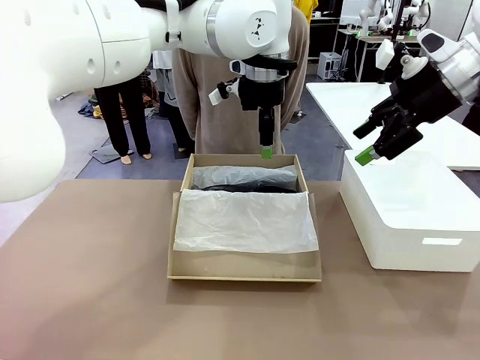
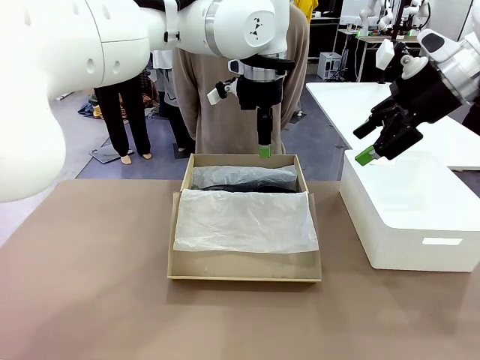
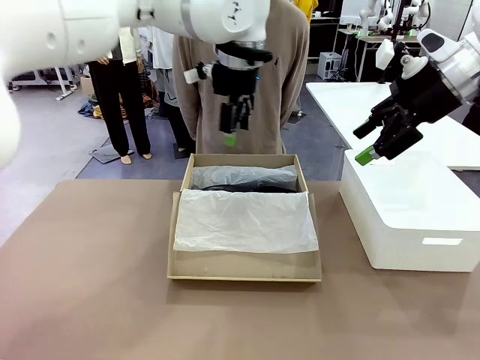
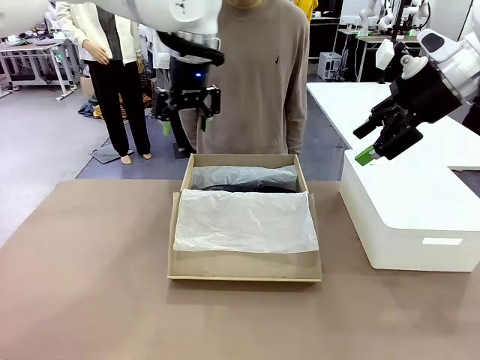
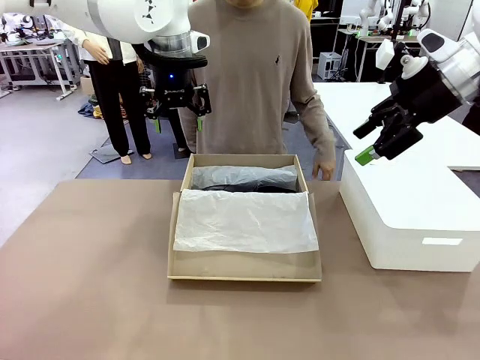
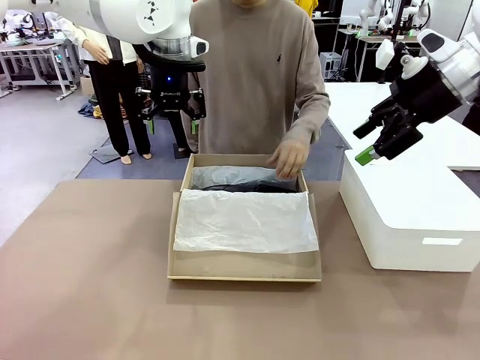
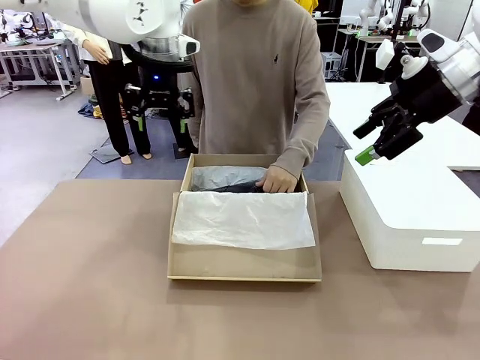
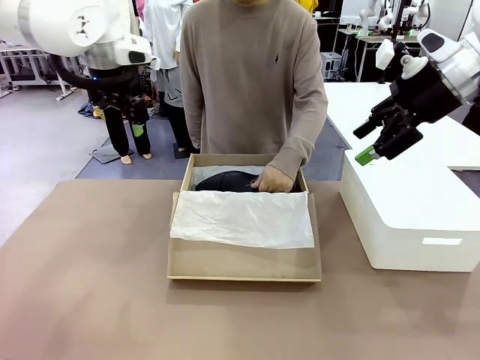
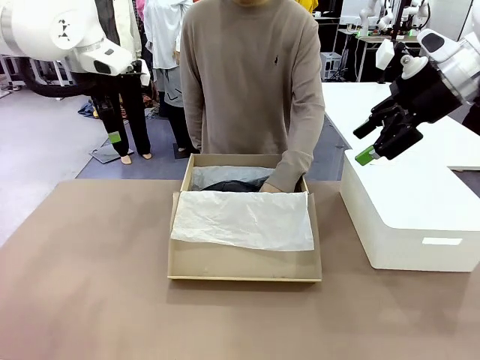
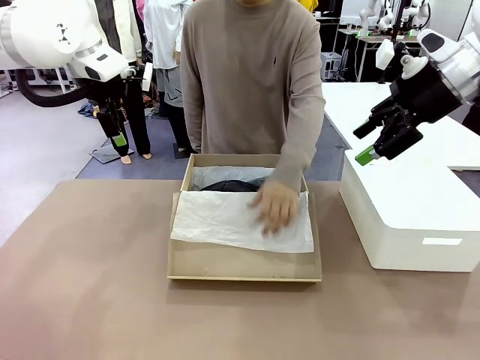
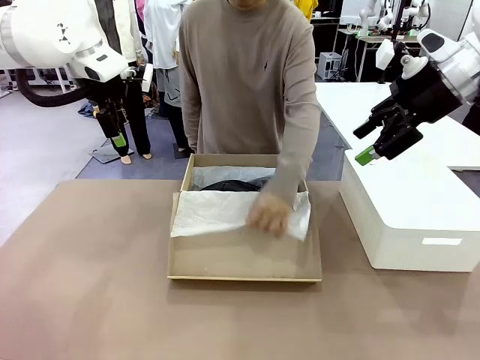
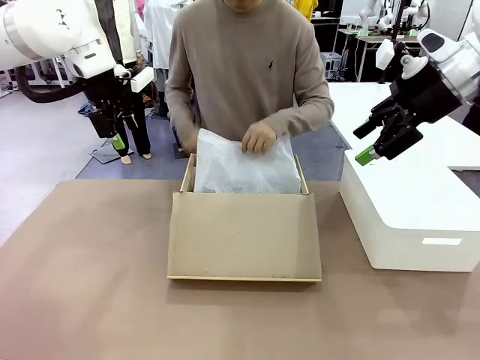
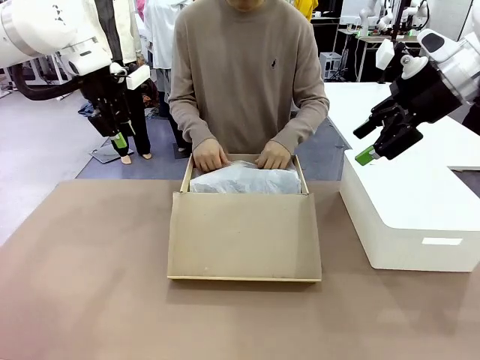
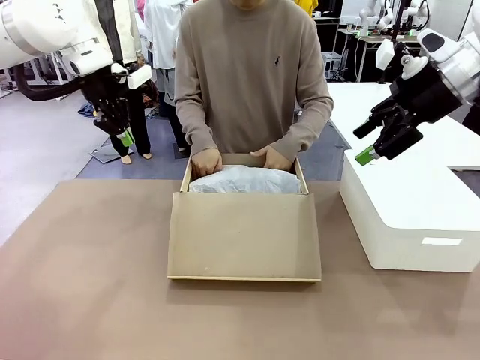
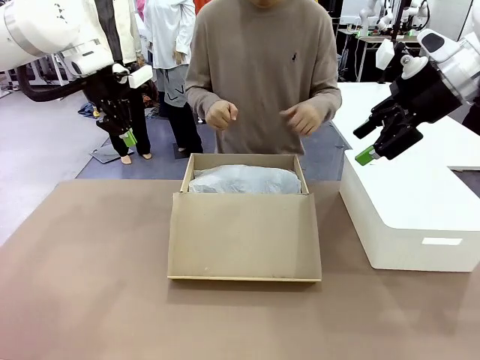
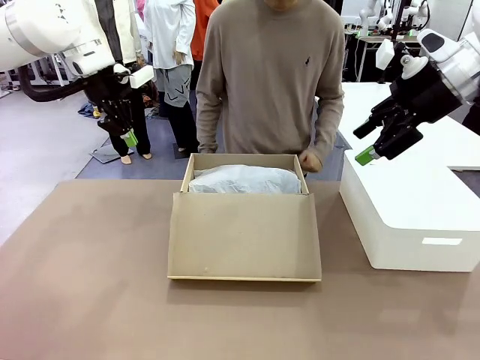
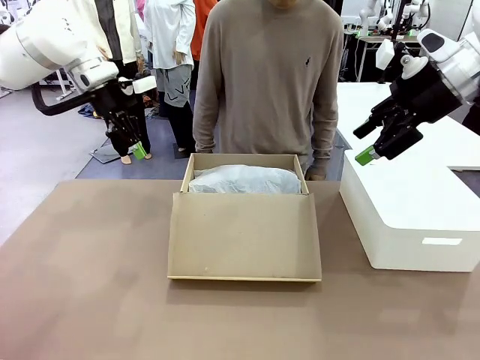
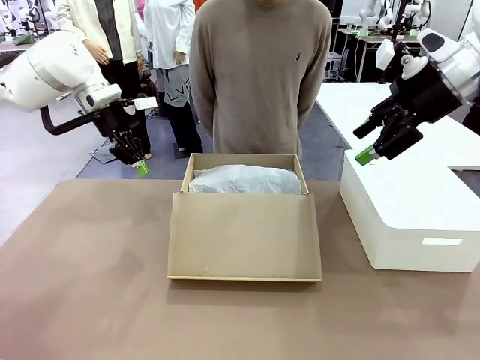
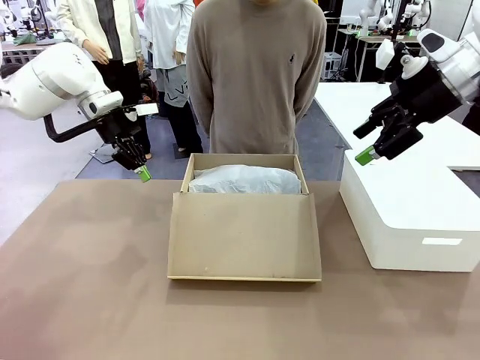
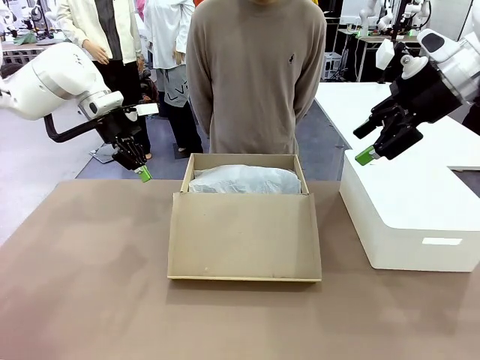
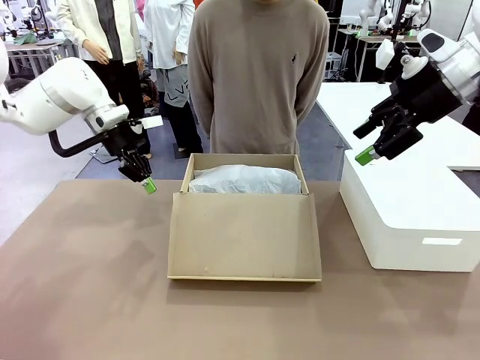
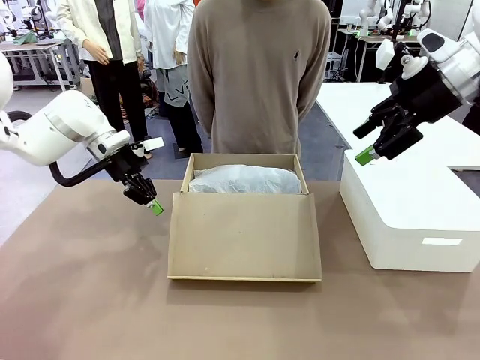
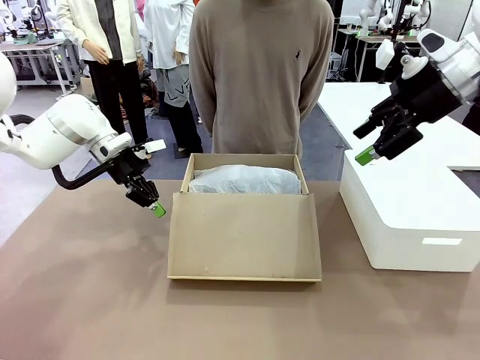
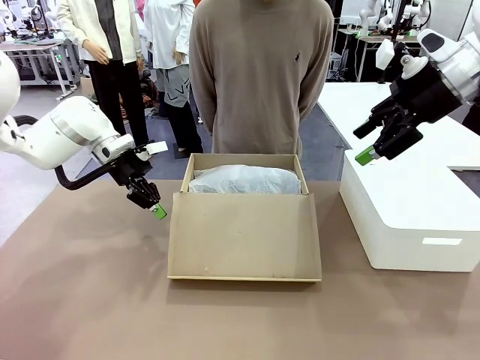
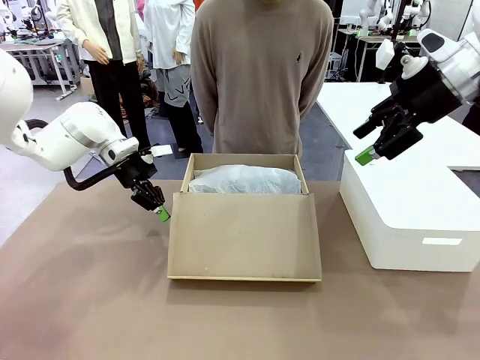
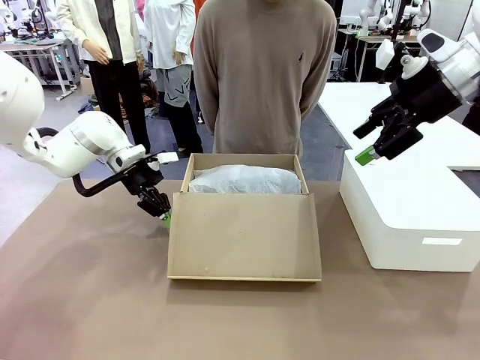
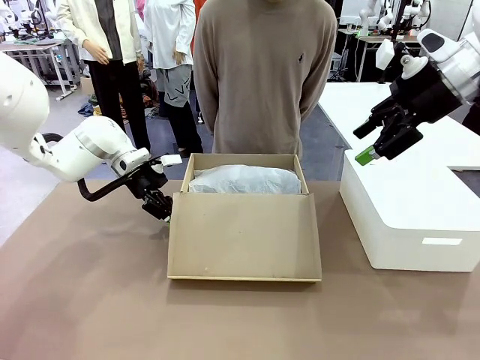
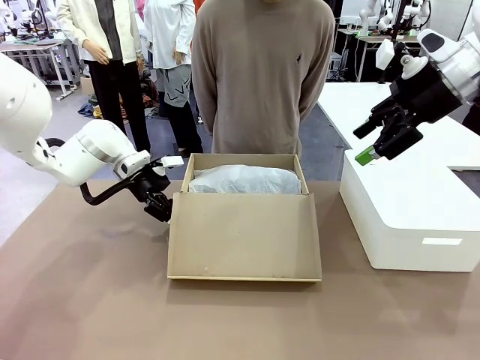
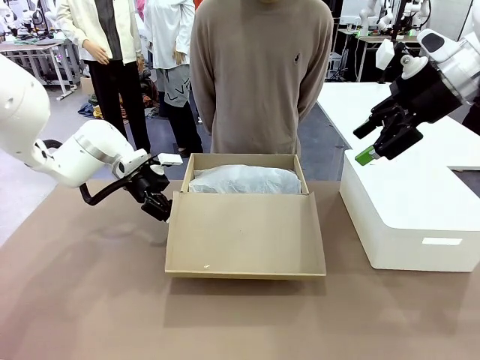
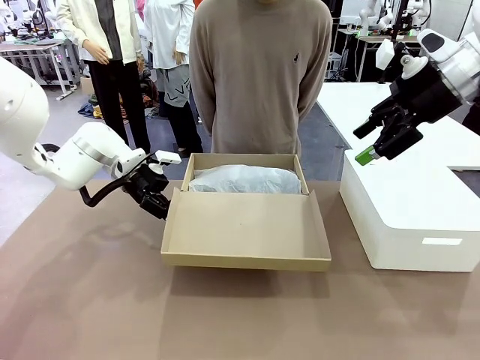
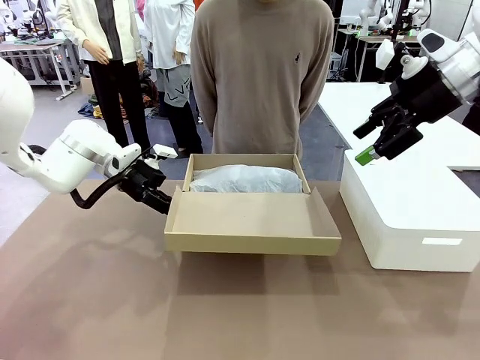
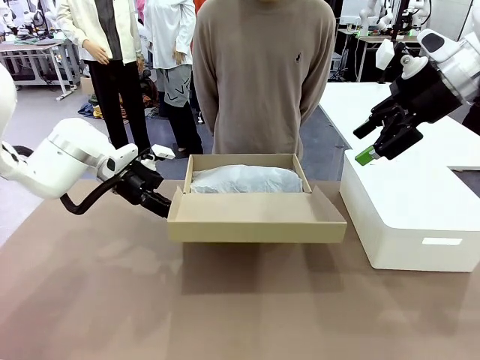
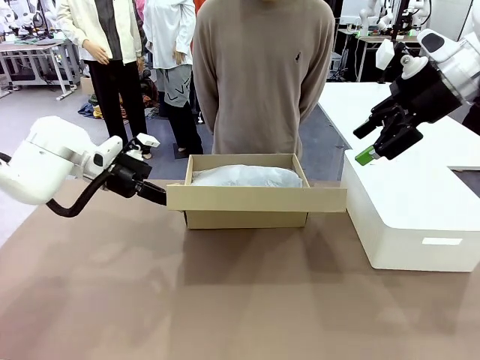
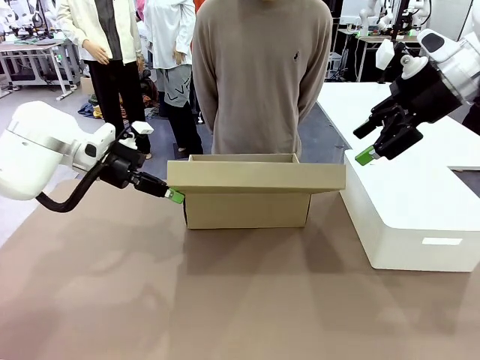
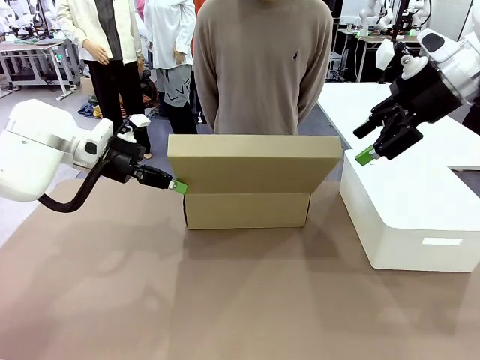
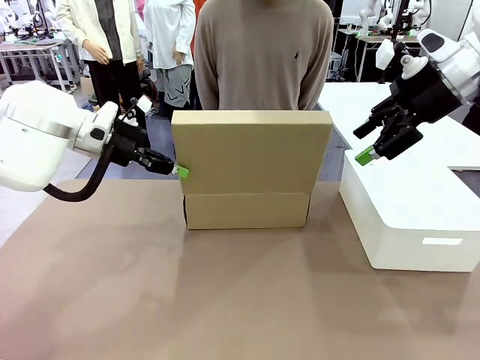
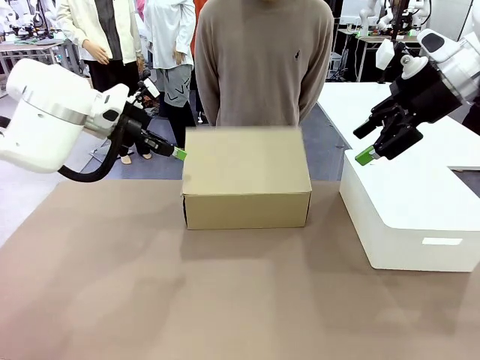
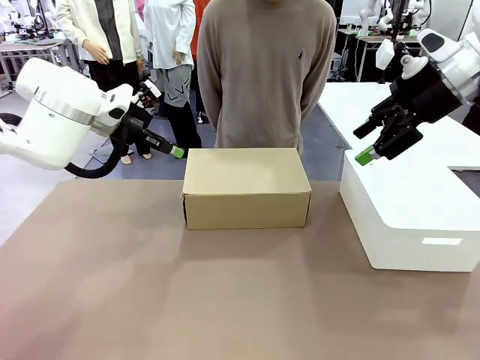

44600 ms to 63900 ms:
Task: Pack the shoes into the box.
Robot: Close the Shoes Box.
Person: Place the closed Shoes Box to the right side of the human table.

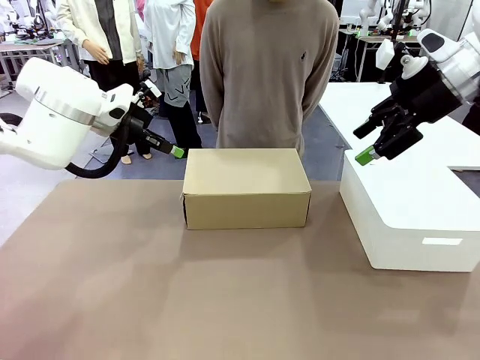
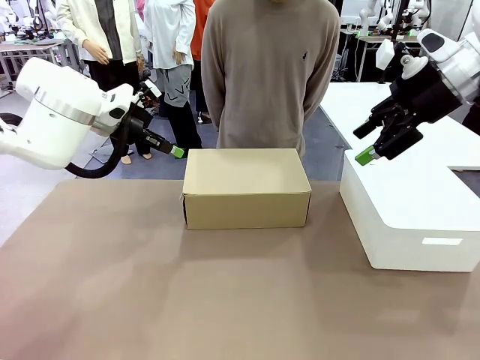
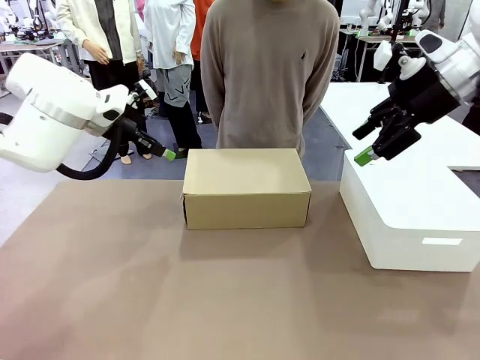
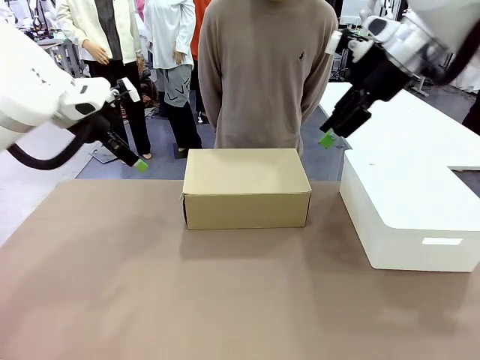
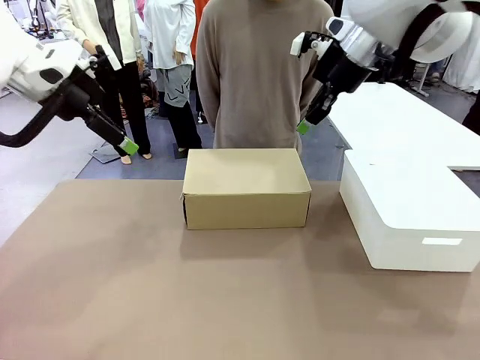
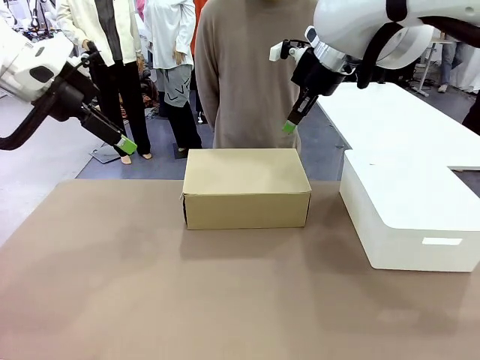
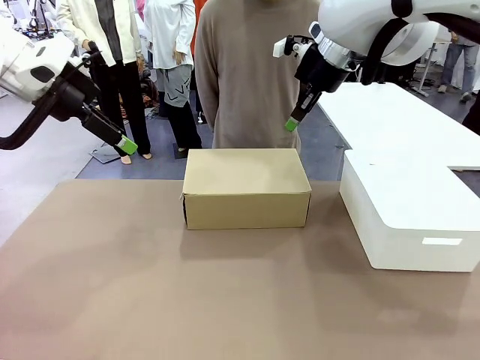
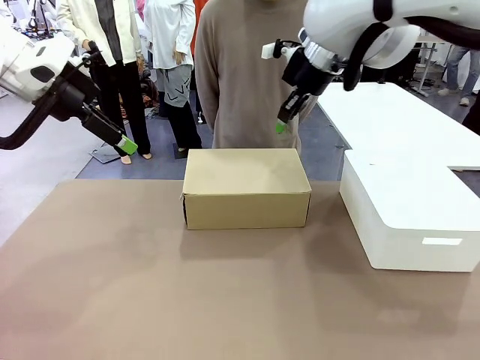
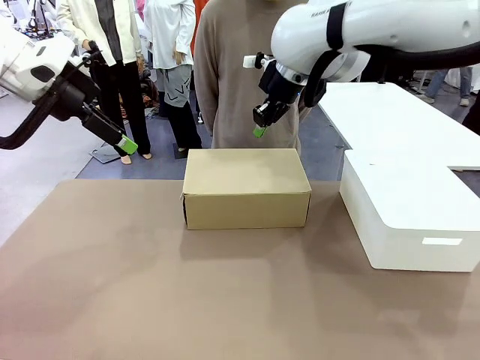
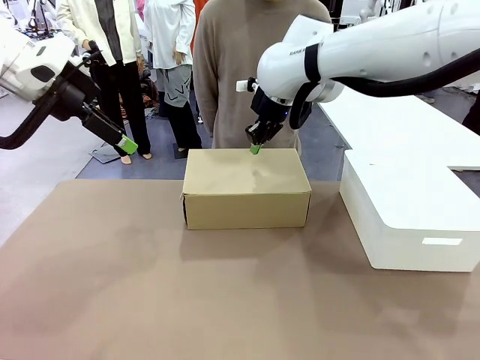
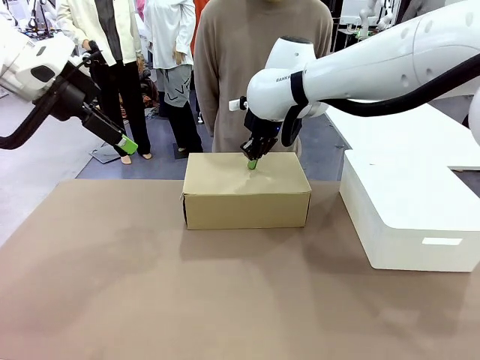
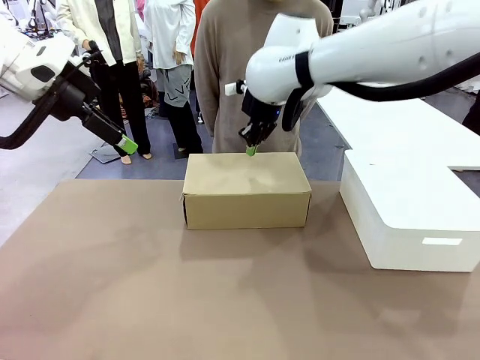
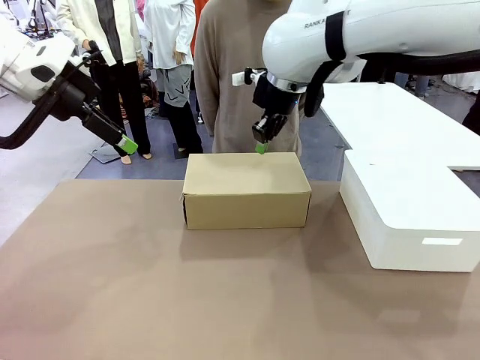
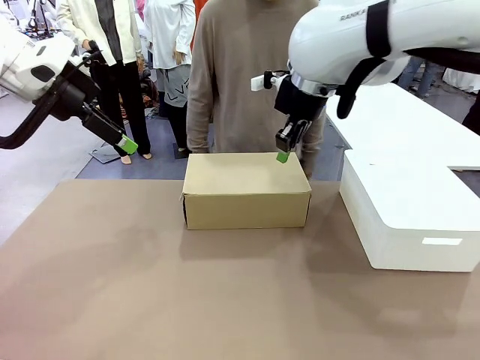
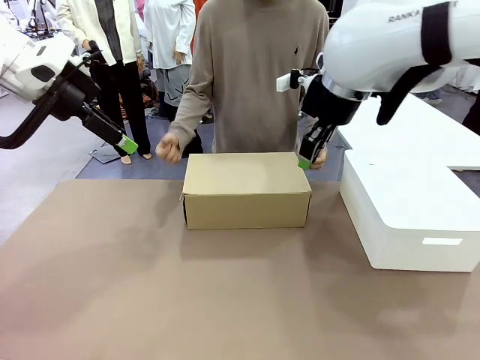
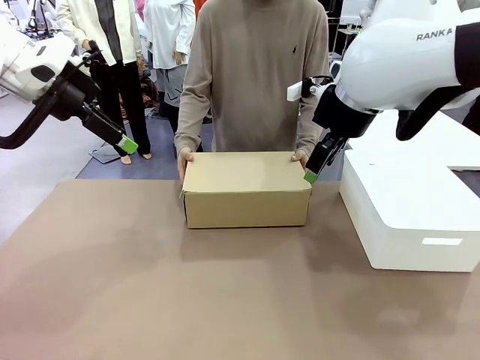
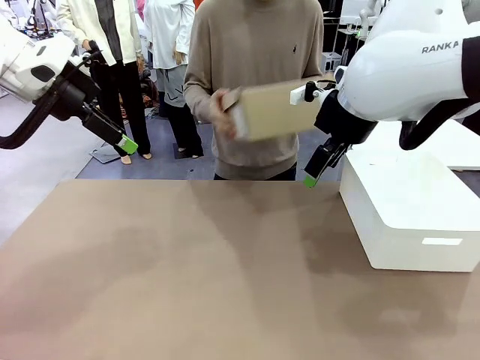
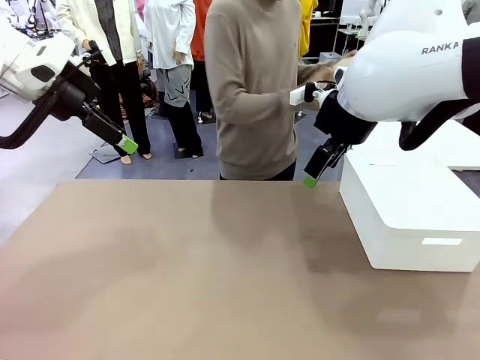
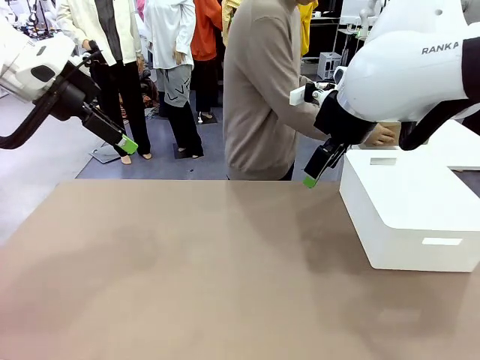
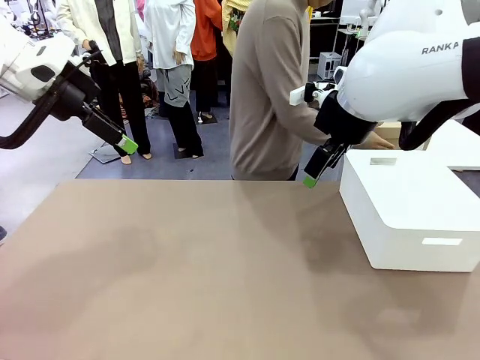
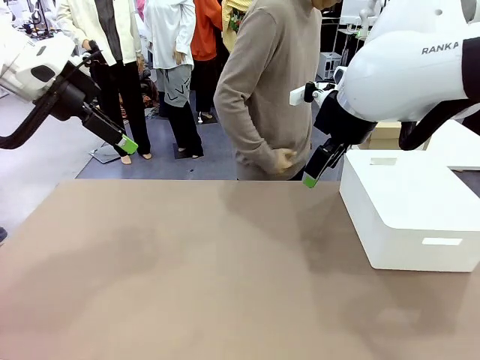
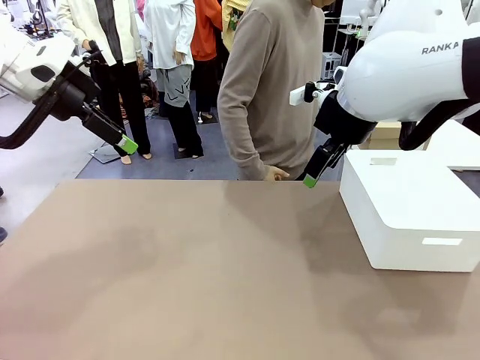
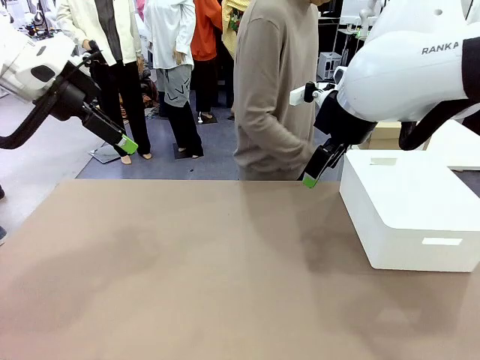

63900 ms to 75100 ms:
Robot: Press down on the lid of the Shoes Box.
